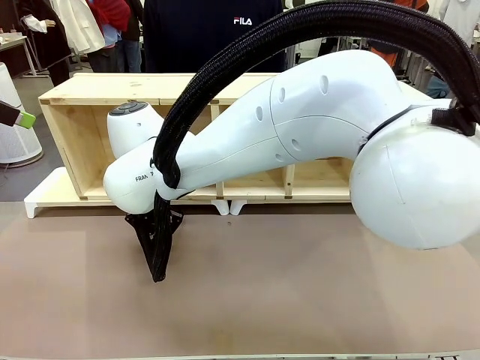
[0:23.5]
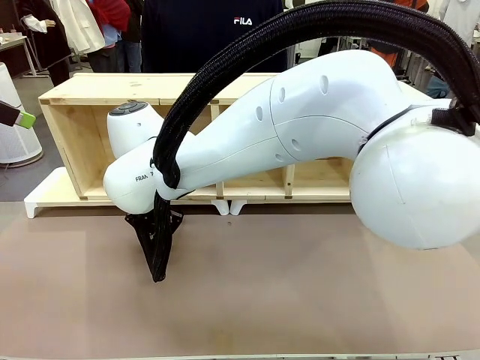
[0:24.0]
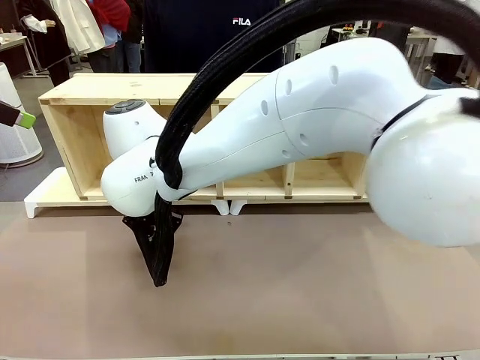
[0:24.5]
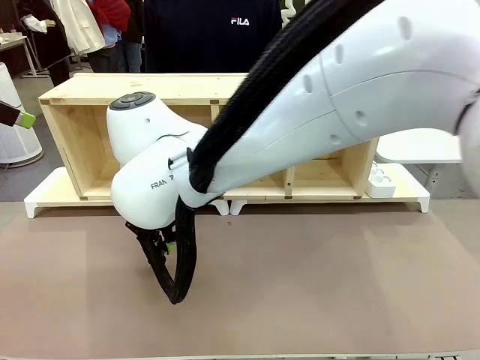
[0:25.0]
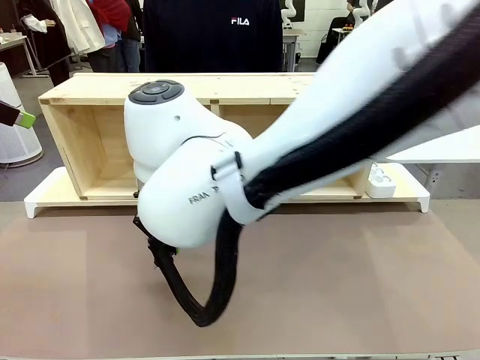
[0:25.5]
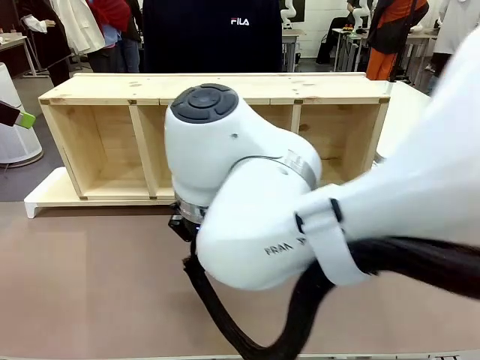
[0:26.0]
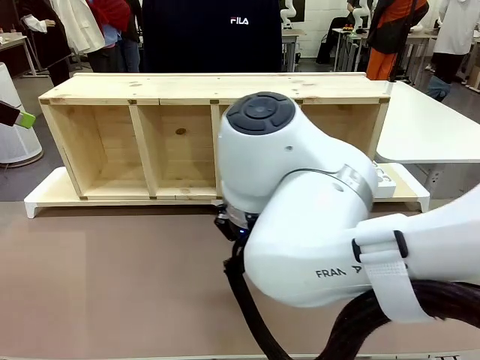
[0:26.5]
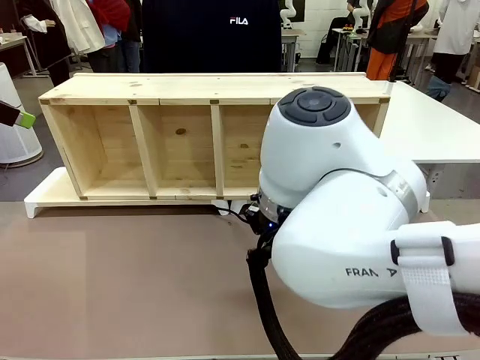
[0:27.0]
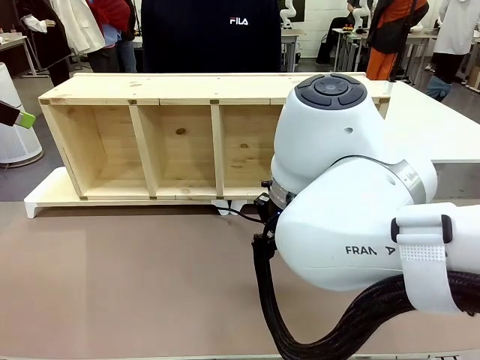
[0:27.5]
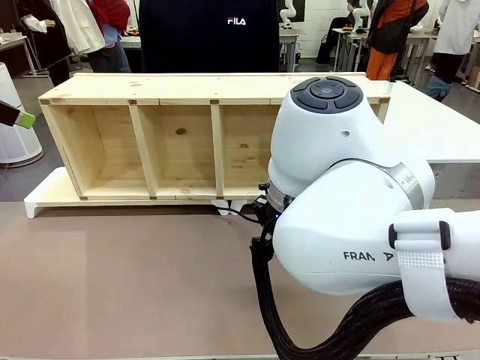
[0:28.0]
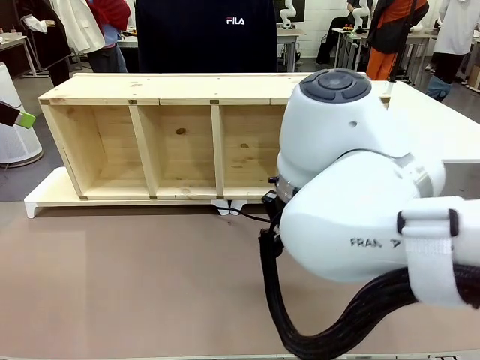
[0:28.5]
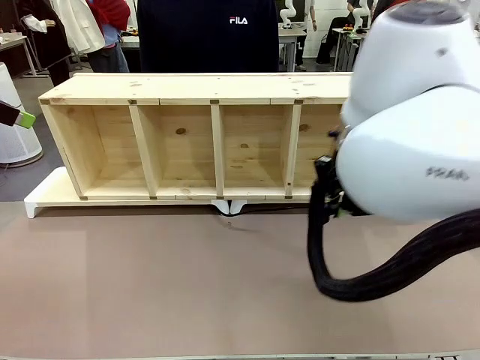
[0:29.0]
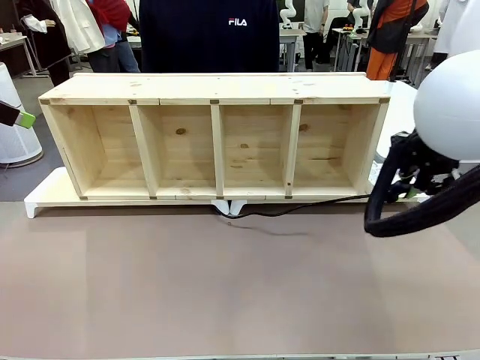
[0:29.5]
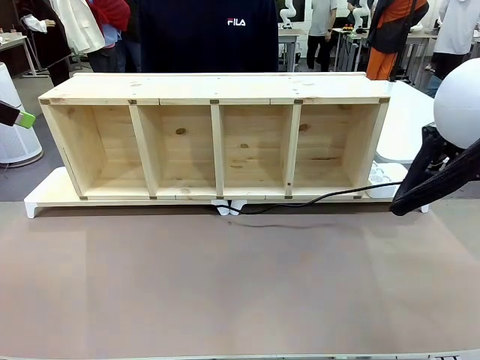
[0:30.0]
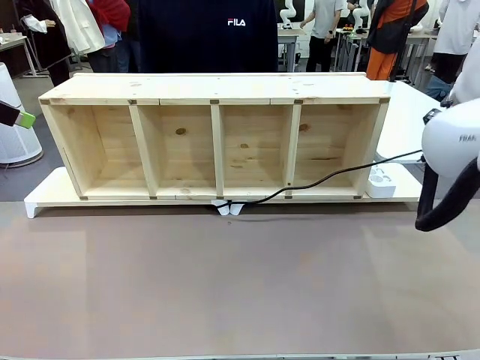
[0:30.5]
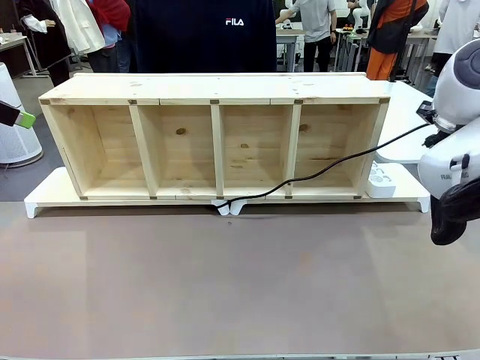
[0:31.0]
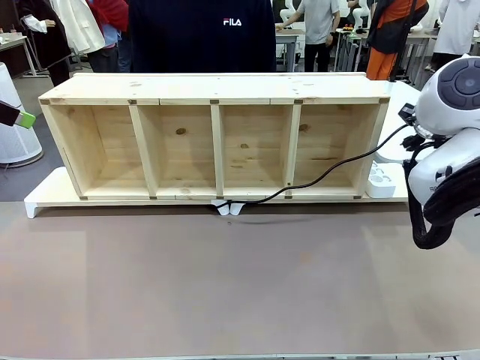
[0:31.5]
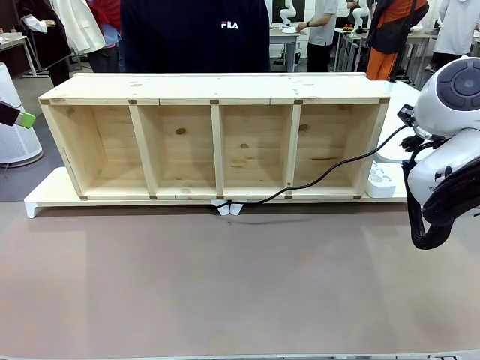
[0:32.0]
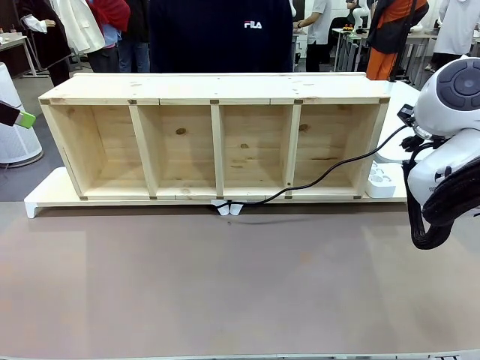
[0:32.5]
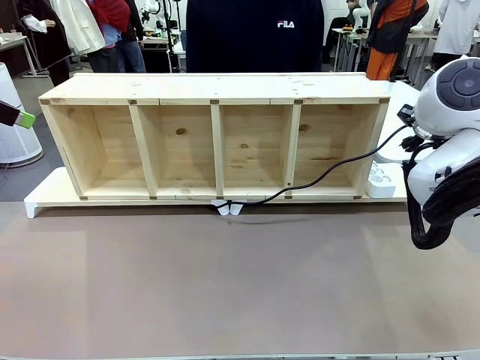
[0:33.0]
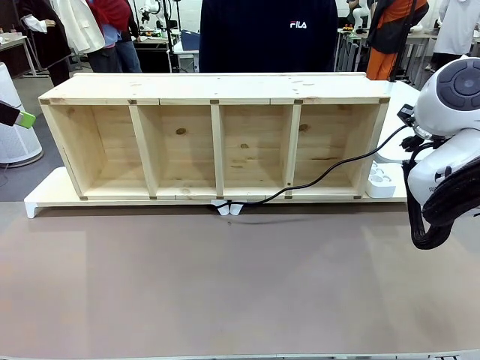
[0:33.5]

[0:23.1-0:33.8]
Task: Perform cable management.
Robot: Pull the grasped Power Cable to the location of the Power Strip.

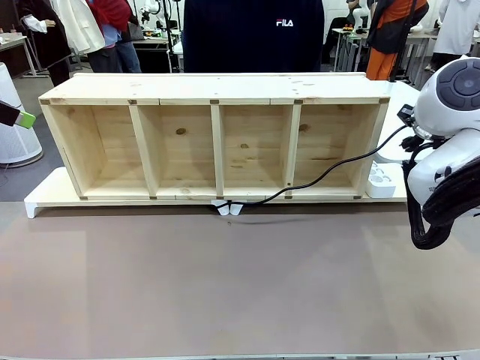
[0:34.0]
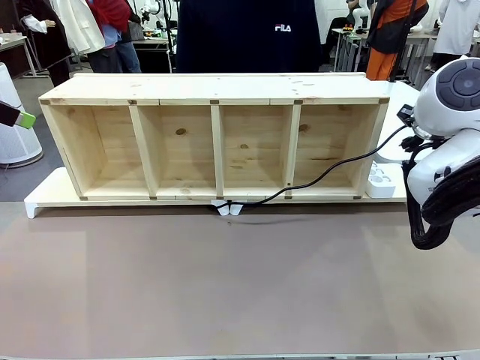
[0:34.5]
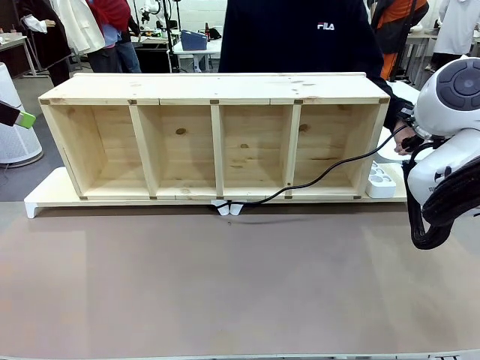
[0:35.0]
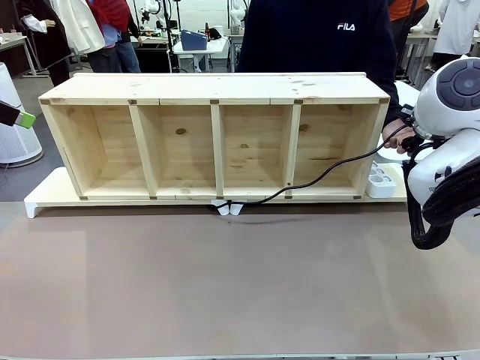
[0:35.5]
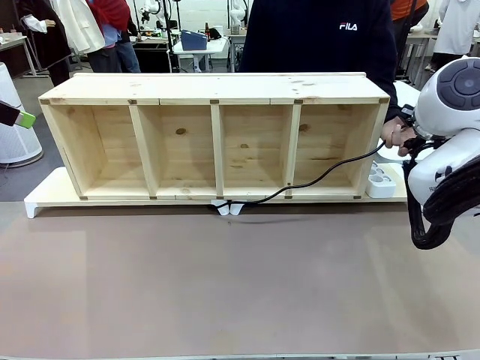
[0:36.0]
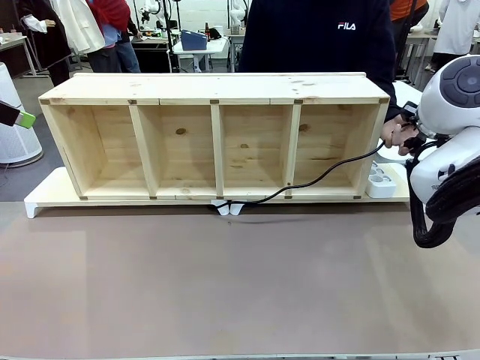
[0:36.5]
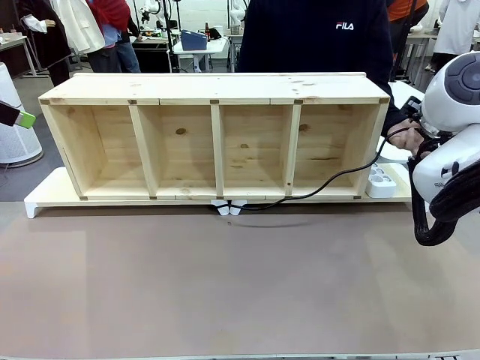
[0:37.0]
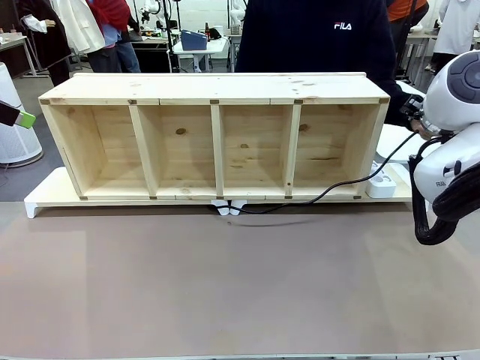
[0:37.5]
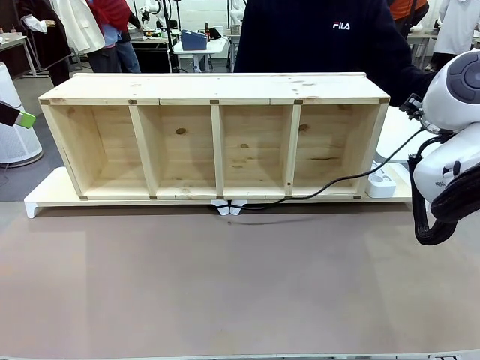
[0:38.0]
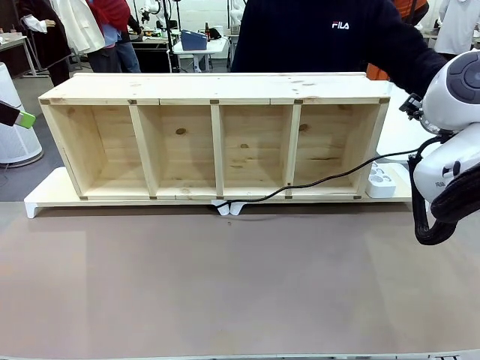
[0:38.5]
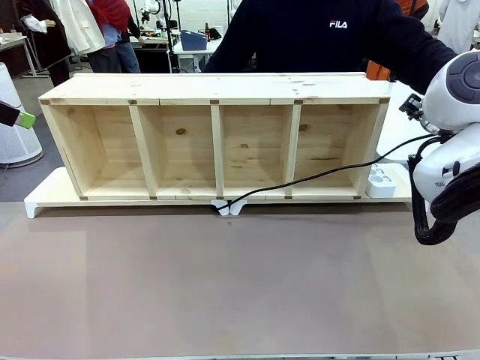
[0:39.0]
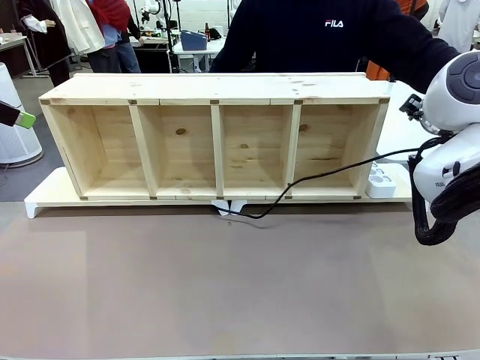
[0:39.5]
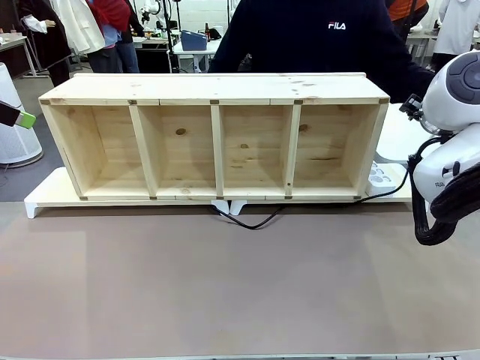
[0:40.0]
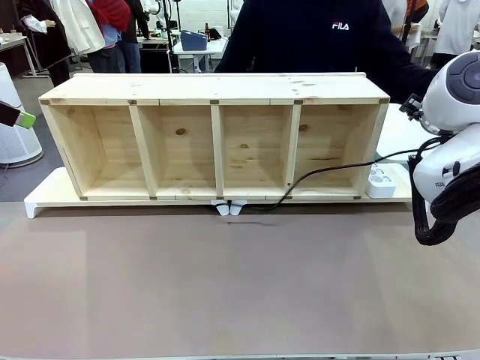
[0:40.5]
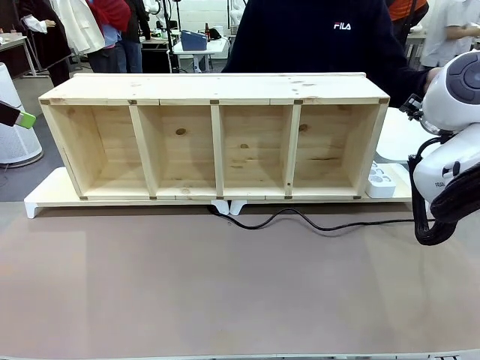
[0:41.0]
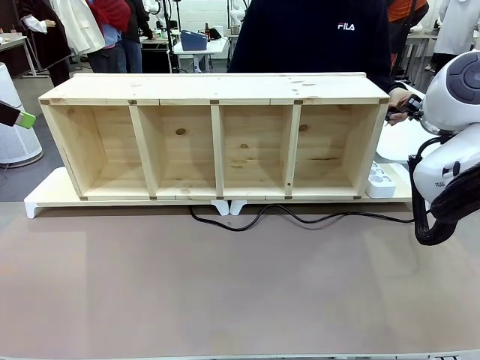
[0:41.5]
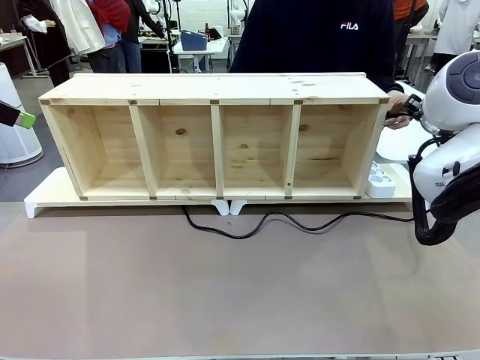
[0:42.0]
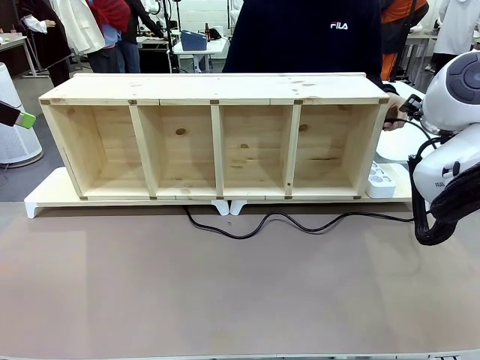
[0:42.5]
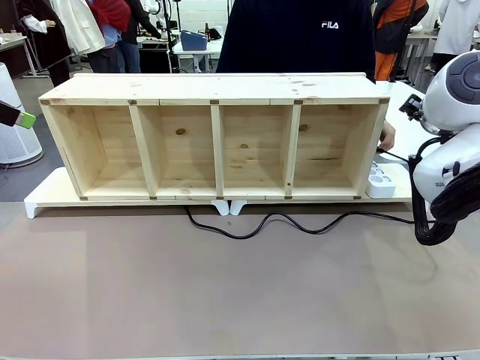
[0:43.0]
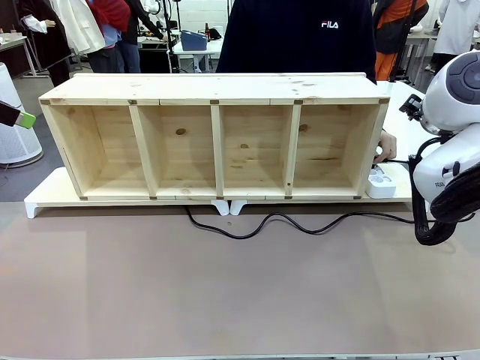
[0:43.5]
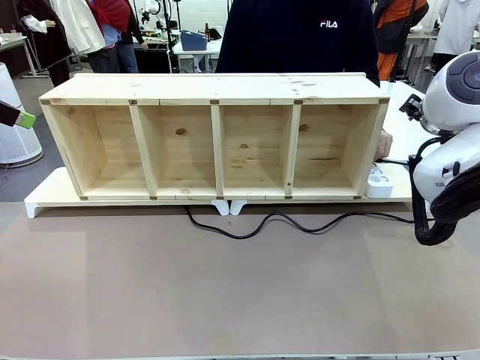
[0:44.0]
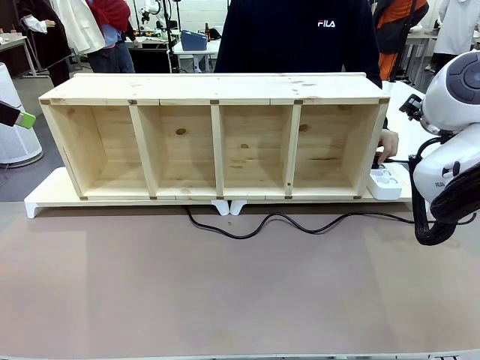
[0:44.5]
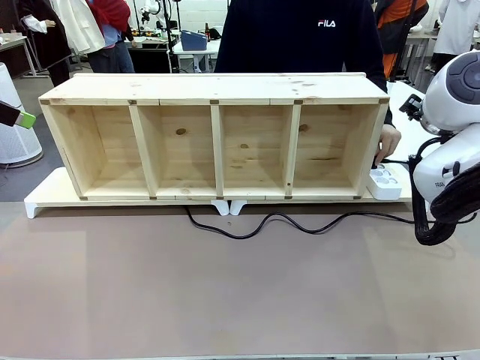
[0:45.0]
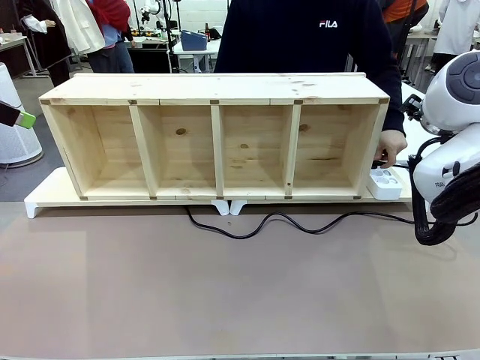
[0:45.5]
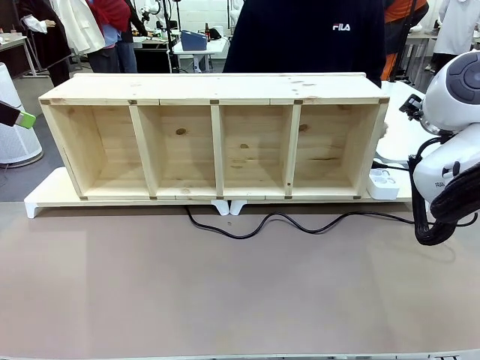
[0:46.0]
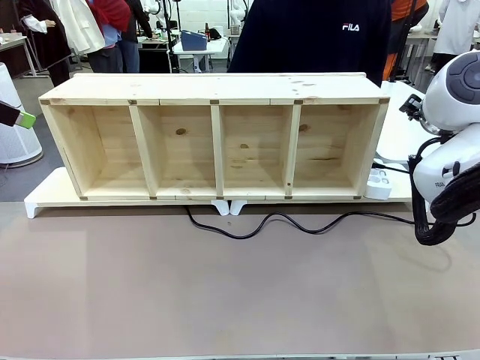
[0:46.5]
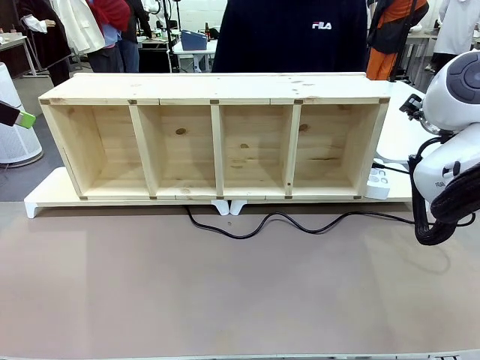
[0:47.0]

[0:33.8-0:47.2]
Robot: Release the Power Cable when the human grasps it.
Person: Plug the Power Cable into the Power Strip.
